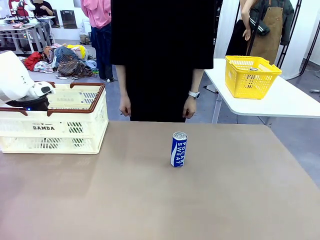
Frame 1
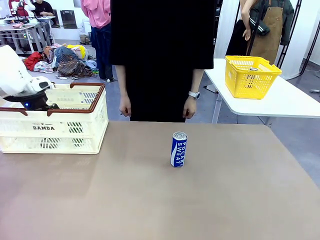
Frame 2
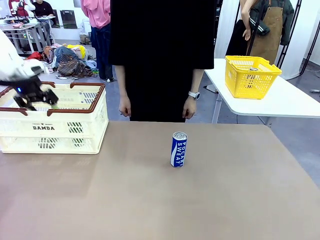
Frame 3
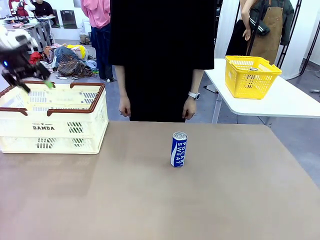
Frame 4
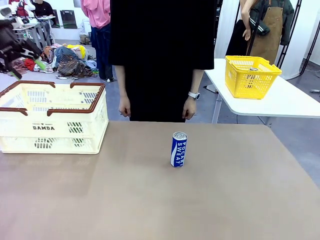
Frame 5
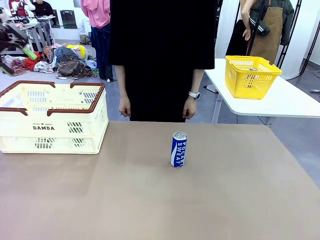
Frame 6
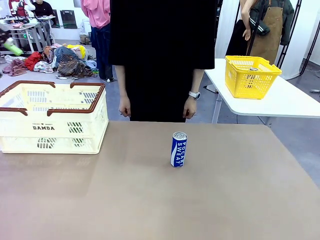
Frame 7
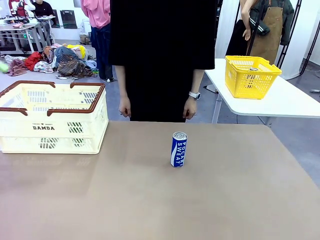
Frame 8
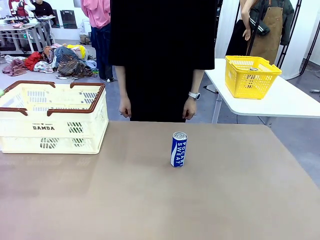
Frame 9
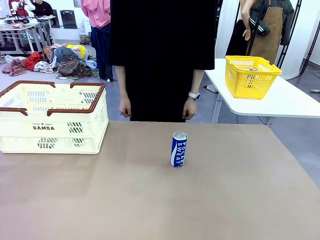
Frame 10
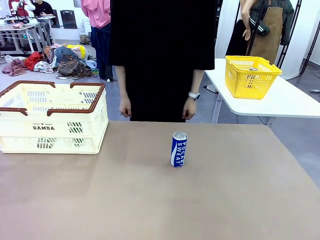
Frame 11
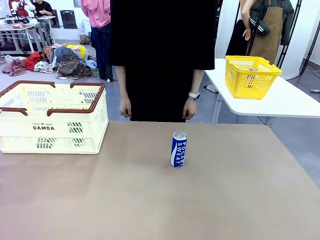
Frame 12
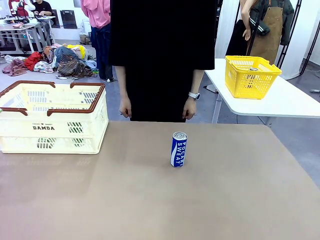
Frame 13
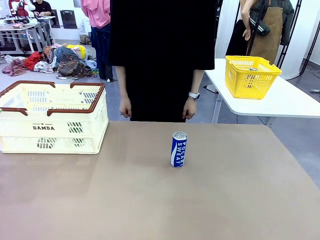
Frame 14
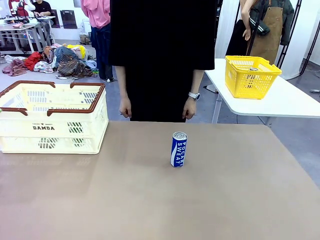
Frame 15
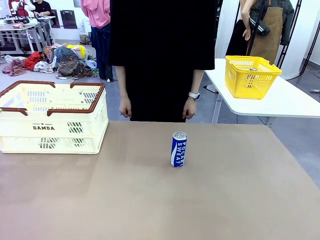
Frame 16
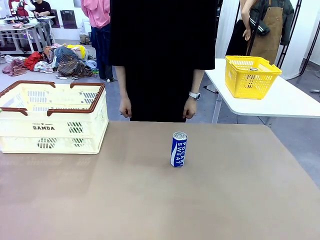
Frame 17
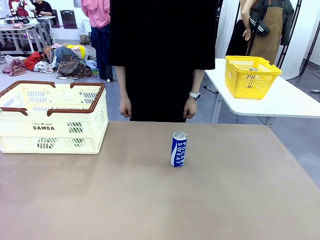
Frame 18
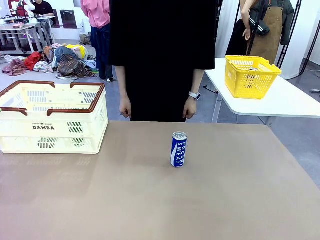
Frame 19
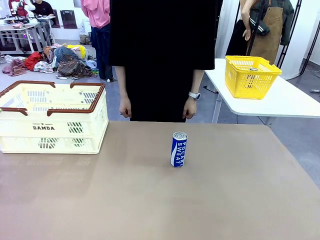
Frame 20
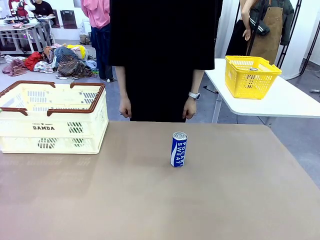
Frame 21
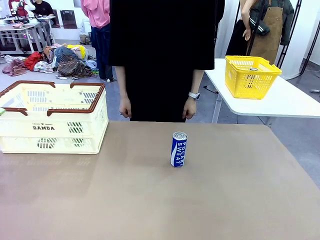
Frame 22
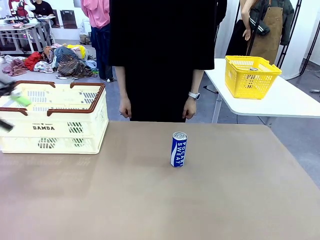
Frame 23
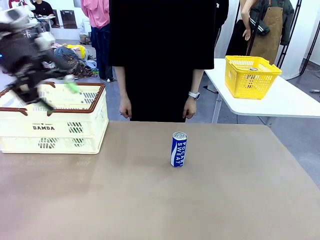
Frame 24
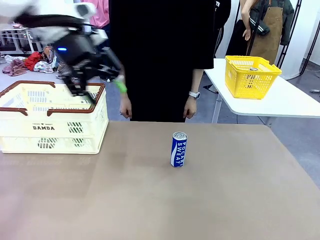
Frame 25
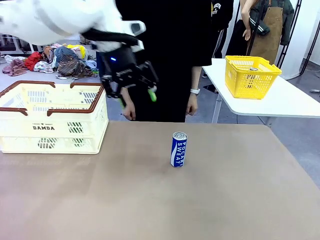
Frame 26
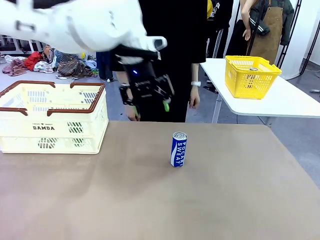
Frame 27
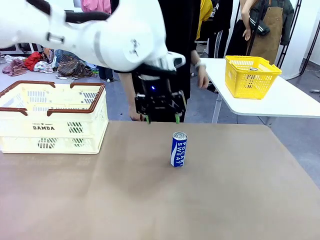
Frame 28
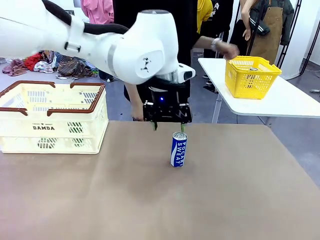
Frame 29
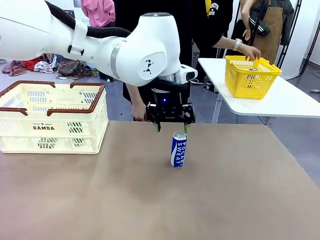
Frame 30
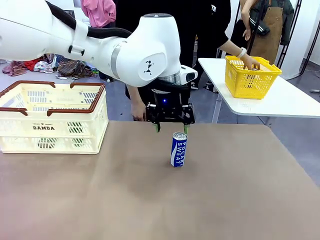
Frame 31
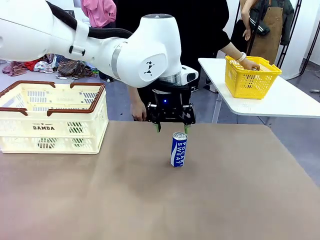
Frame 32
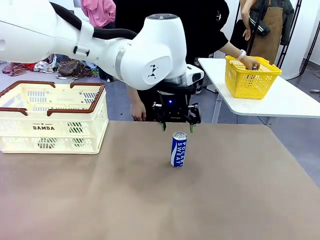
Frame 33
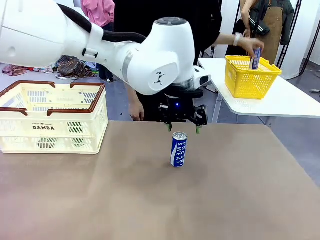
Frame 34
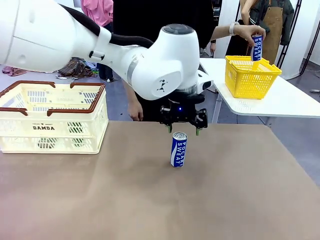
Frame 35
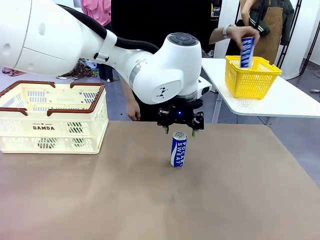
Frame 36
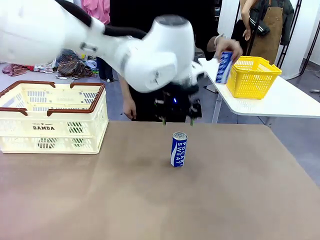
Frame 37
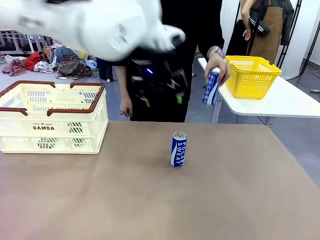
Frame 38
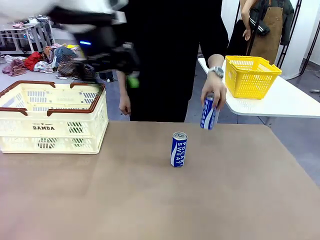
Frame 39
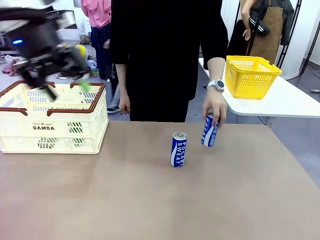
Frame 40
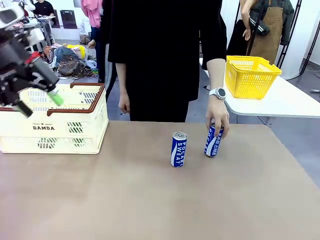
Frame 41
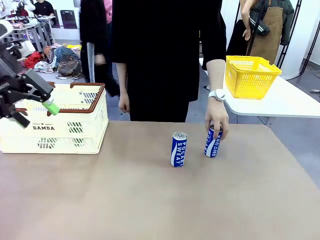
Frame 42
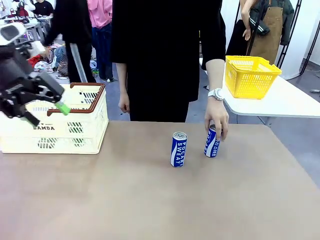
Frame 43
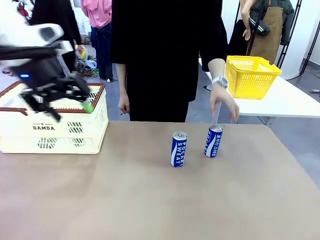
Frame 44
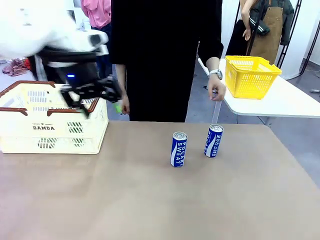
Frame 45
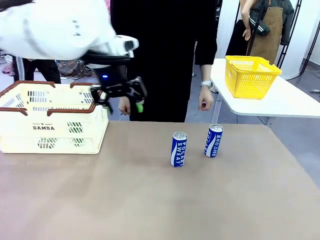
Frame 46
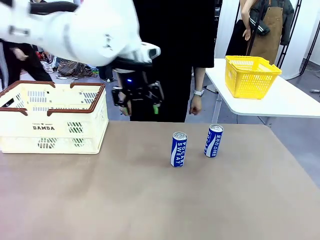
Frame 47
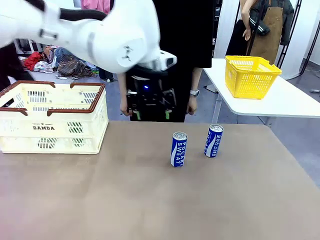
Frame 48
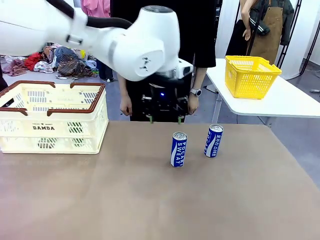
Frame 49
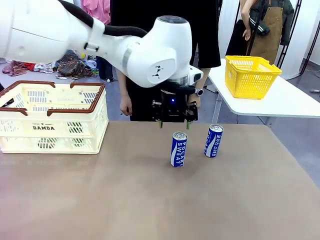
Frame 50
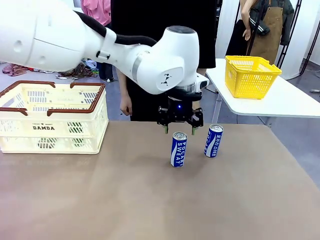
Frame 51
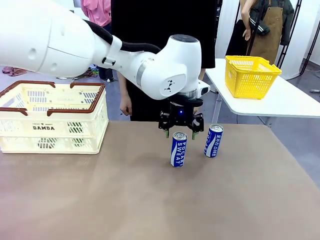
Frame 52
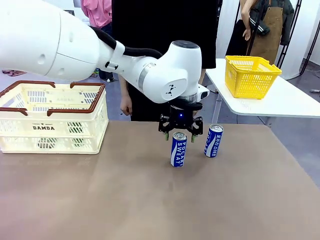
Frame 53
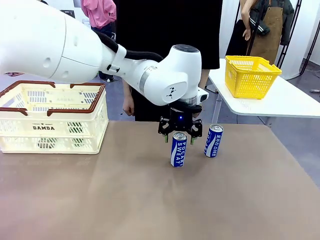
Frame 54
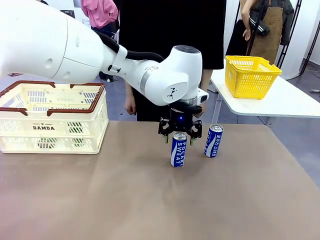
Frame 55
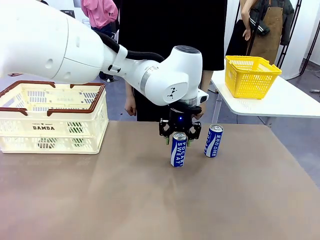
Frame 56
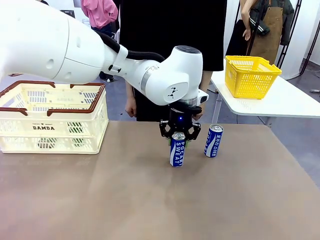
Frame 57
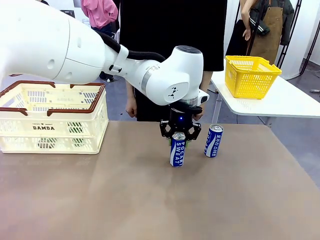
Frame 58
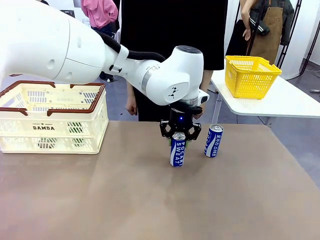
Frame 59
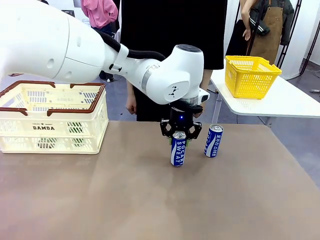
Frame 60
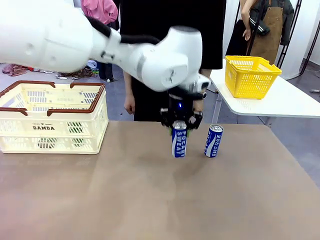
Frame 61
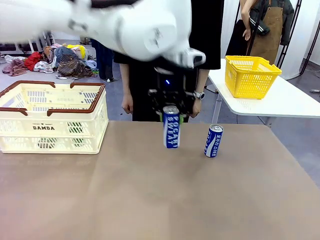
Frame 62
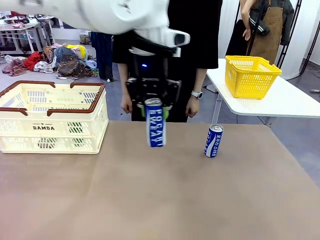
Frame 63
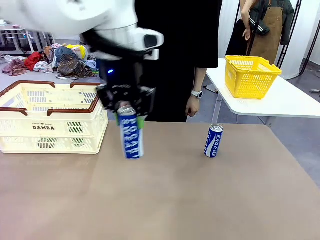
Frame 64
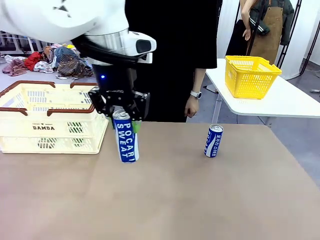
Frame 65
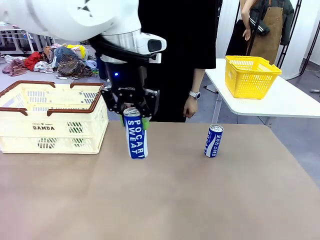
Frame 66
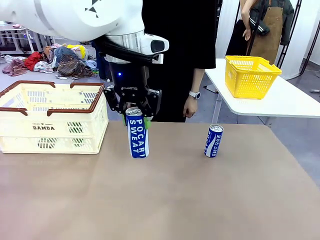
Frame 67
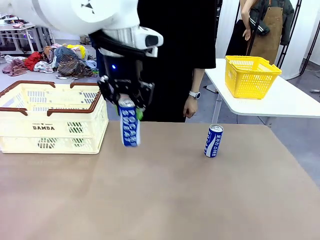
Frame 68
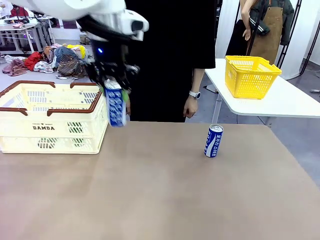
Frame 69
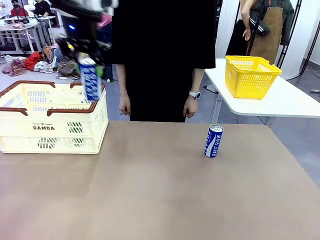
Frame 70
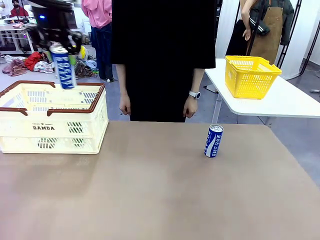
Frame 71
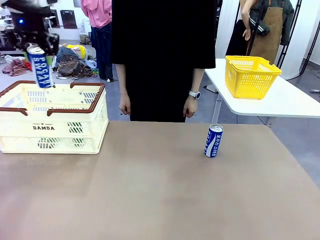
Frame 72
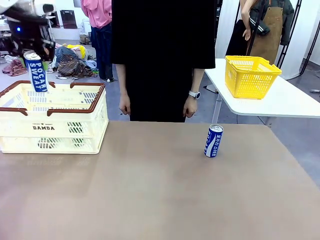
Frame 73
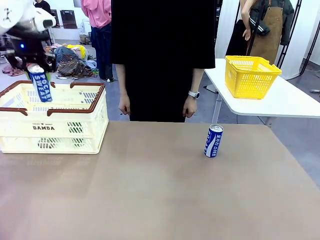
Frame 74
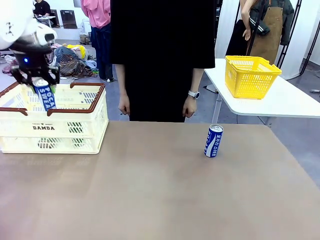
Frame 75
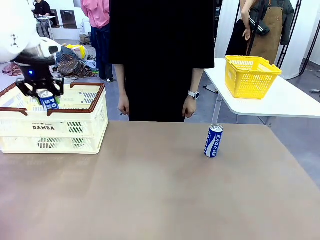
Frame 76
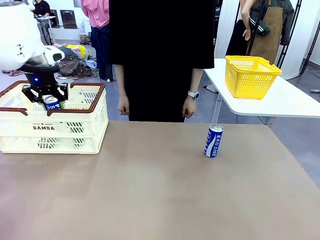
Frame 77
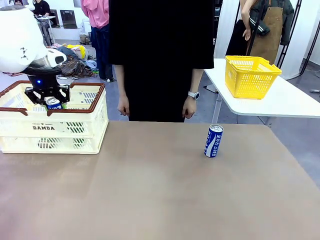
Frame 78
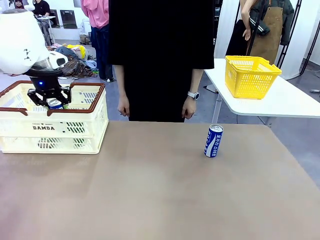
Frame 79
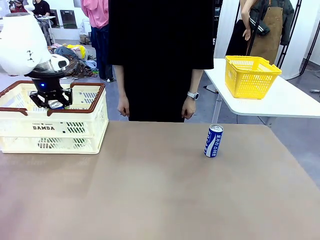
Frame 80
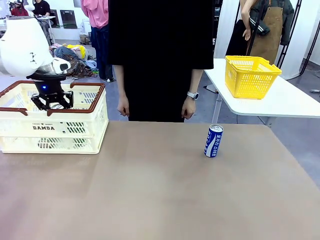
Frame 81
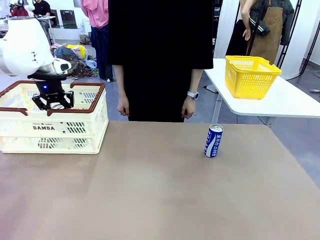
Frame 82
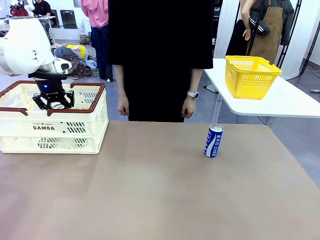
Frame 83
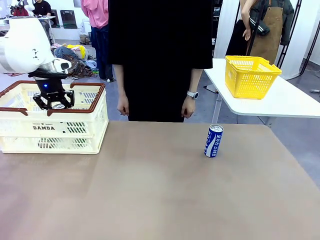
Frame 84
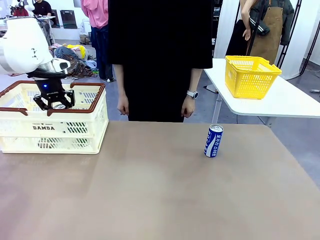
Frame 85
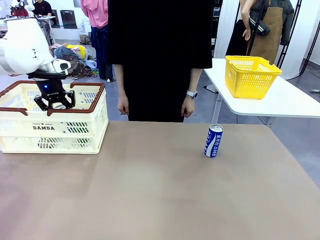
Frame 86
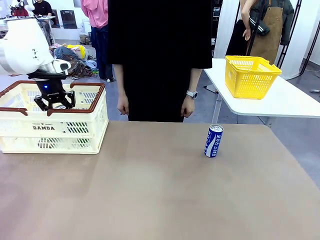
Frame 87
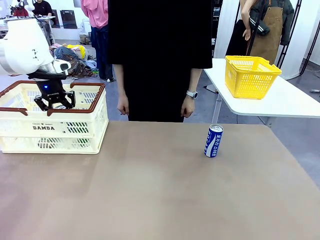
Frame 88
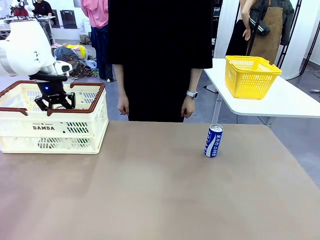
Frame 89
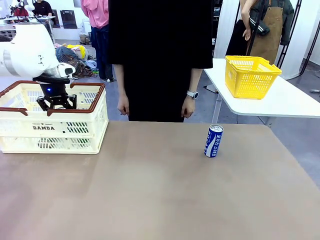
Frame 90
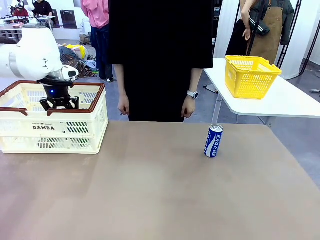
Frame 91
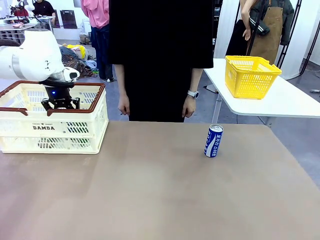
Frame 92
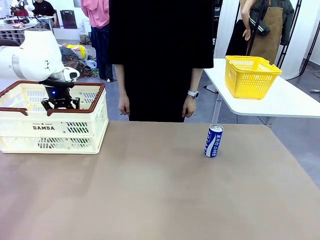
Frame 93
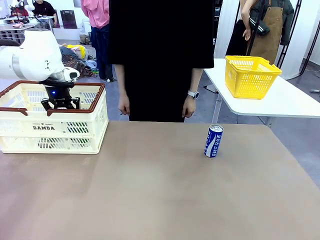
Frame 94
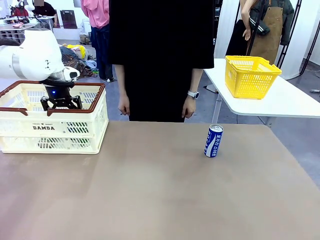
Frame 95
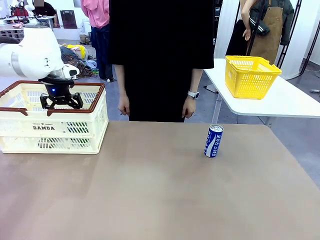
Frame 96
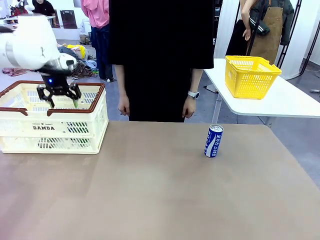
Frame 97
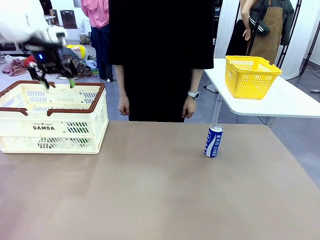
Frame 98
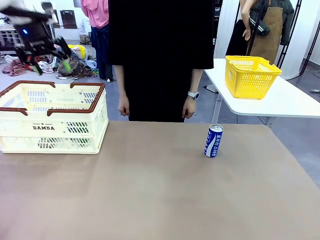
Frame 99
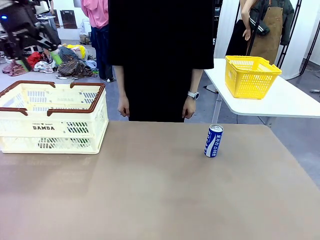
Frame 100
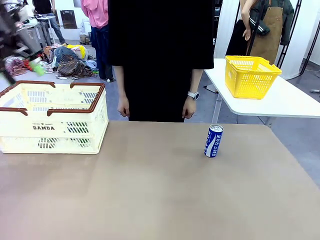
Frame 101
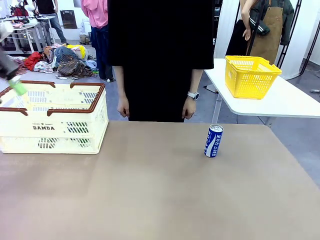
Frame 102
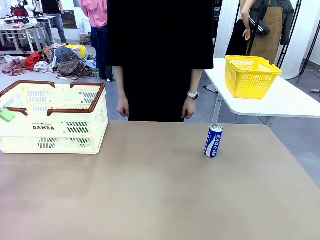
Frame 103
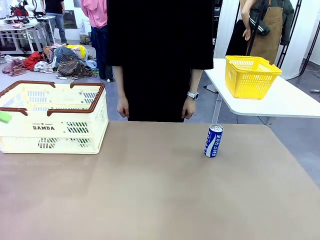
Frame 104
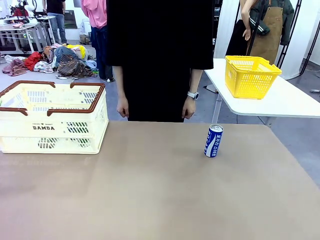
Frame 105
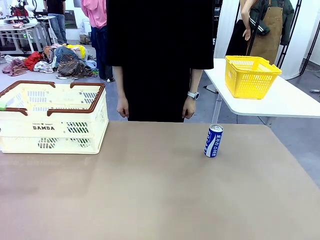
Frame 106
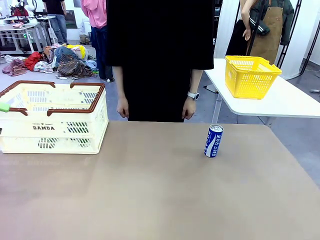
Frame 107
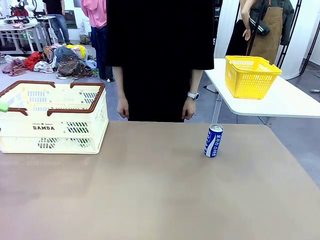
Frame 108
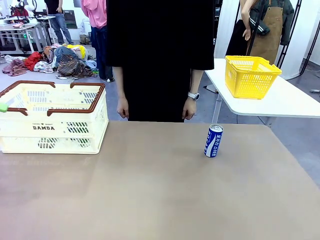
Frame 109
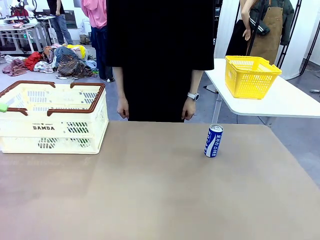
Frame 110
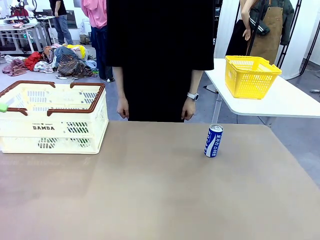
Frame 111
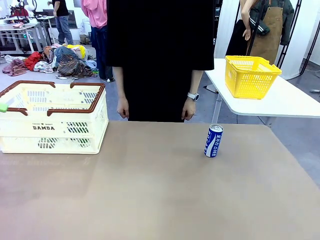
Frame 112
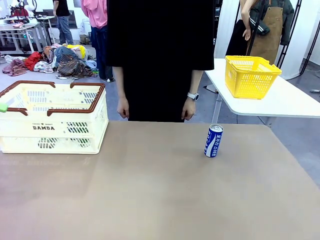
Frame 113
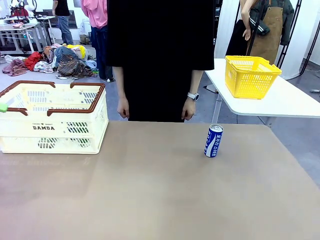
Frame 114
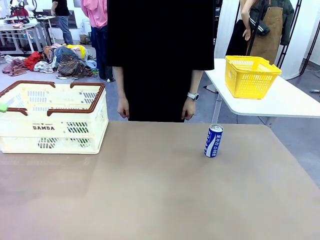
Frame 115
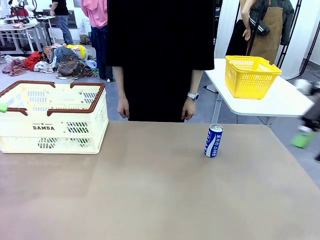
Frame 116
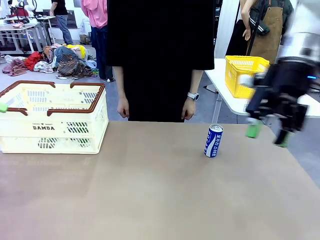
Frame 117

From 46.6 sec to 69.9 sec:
Task: Place the drinks into the Shopping basket.
Robot: Pick up one drink and place it into the Shopping basket.
